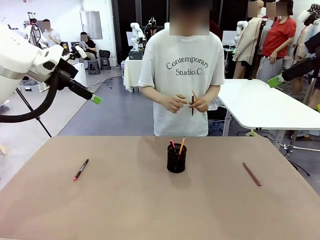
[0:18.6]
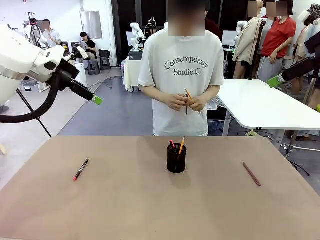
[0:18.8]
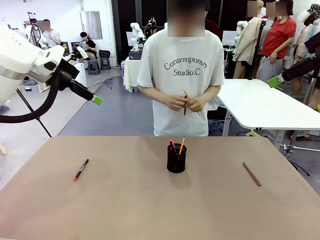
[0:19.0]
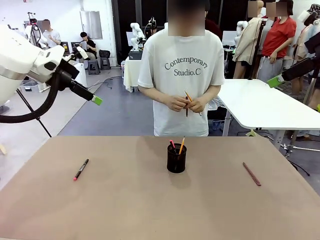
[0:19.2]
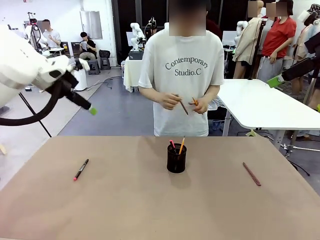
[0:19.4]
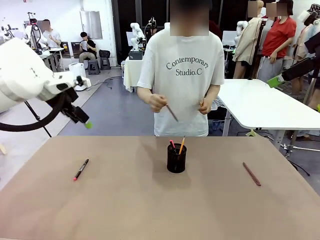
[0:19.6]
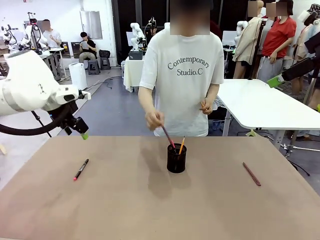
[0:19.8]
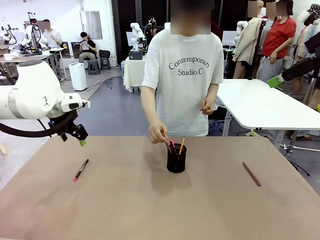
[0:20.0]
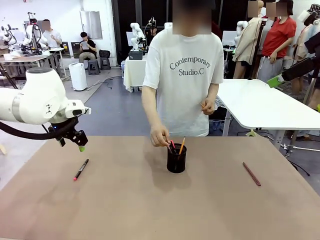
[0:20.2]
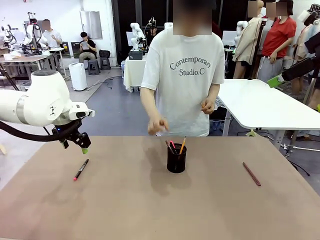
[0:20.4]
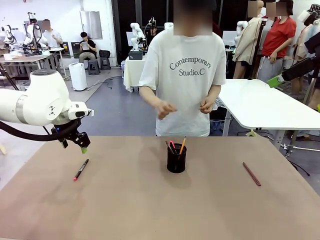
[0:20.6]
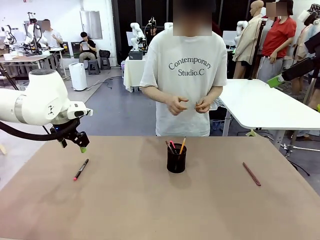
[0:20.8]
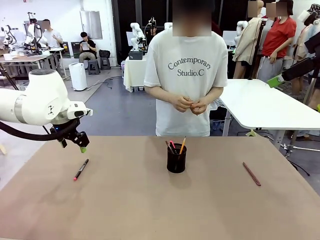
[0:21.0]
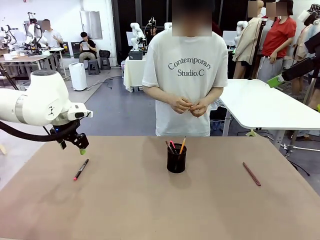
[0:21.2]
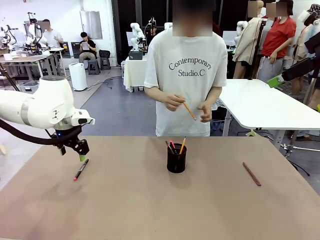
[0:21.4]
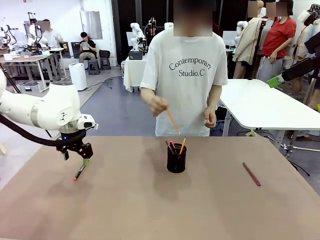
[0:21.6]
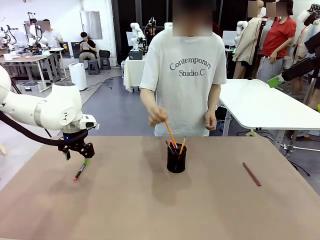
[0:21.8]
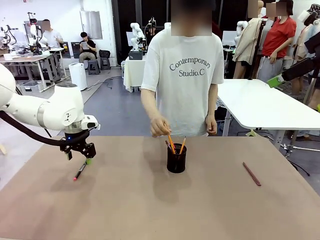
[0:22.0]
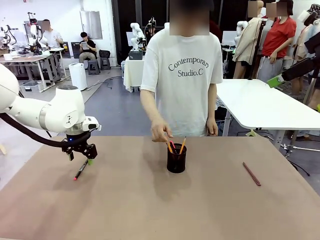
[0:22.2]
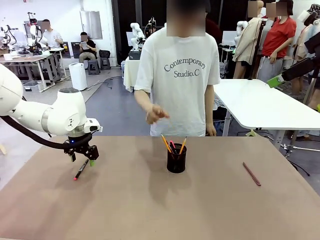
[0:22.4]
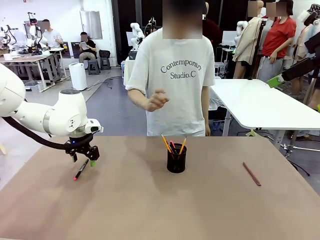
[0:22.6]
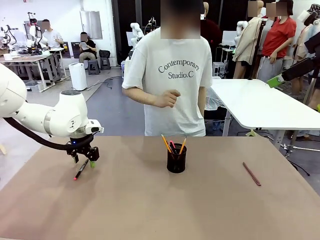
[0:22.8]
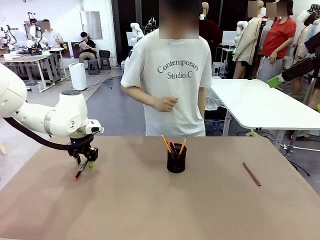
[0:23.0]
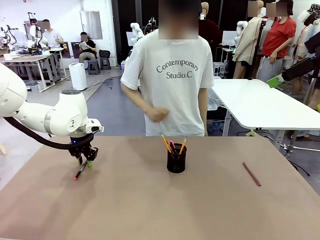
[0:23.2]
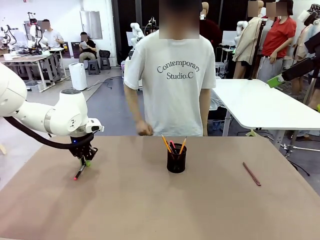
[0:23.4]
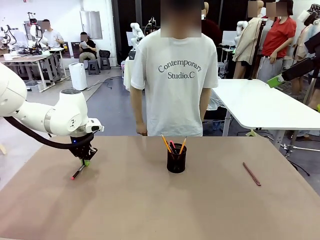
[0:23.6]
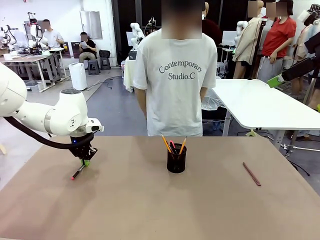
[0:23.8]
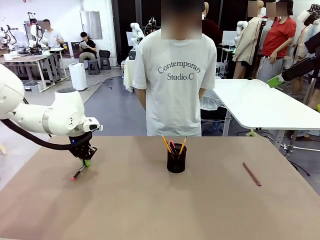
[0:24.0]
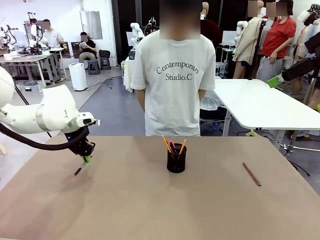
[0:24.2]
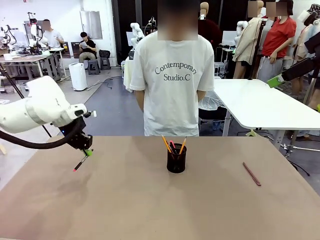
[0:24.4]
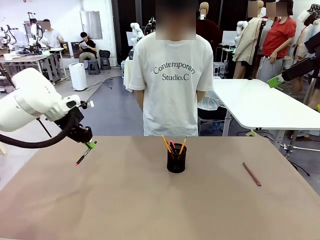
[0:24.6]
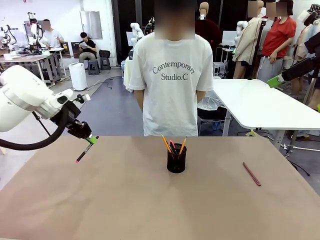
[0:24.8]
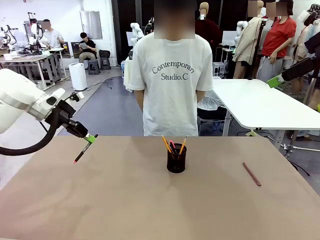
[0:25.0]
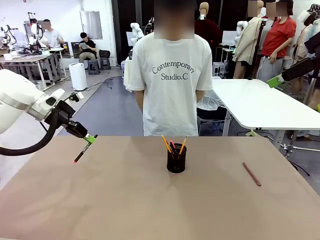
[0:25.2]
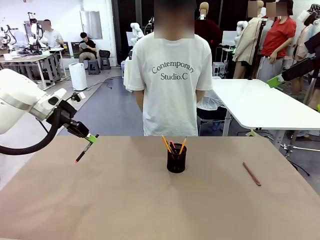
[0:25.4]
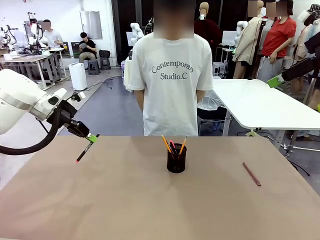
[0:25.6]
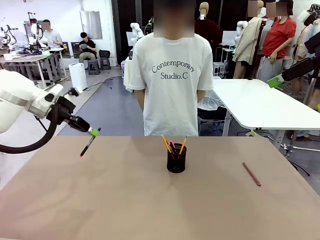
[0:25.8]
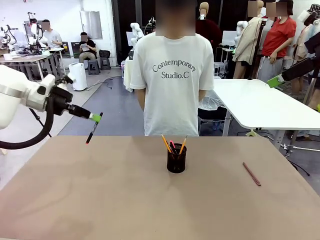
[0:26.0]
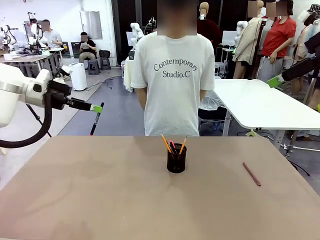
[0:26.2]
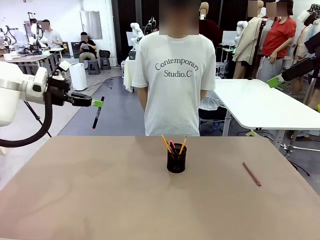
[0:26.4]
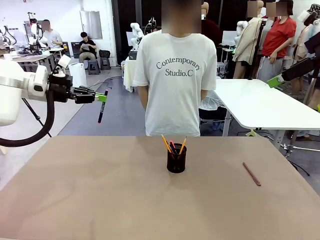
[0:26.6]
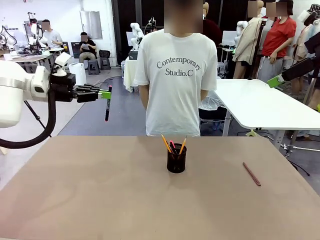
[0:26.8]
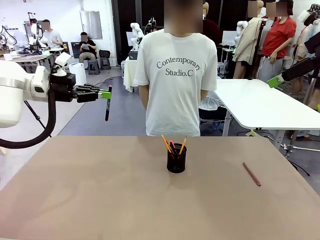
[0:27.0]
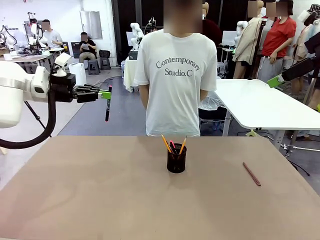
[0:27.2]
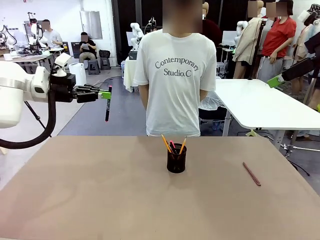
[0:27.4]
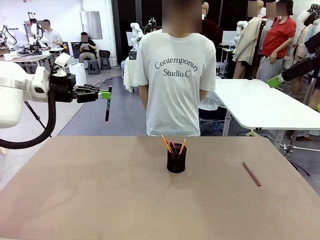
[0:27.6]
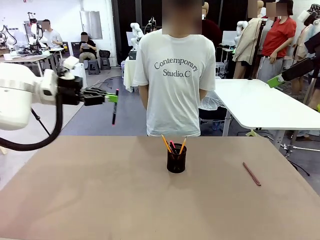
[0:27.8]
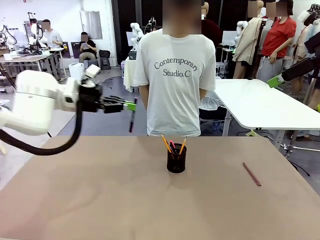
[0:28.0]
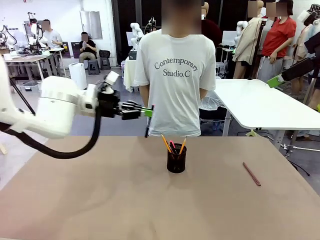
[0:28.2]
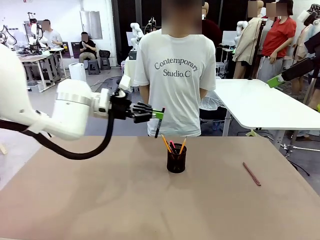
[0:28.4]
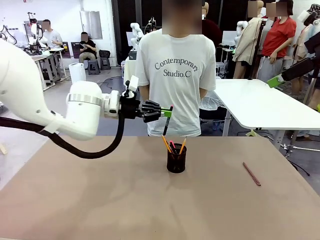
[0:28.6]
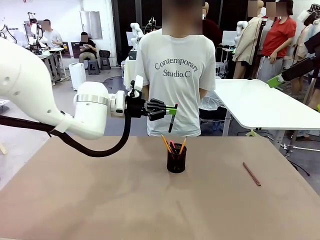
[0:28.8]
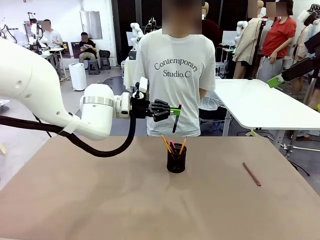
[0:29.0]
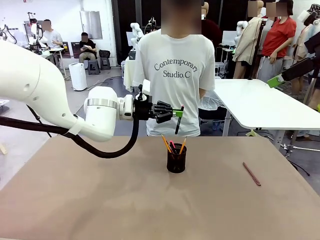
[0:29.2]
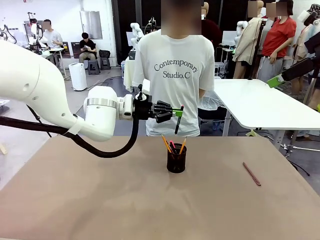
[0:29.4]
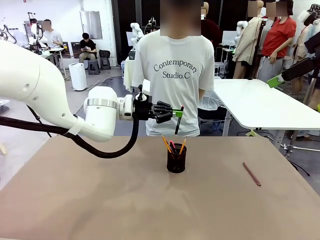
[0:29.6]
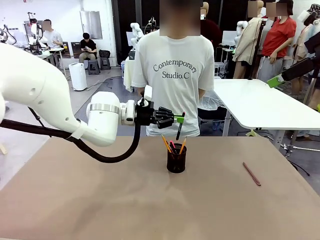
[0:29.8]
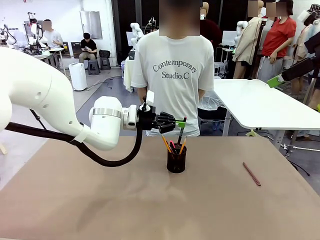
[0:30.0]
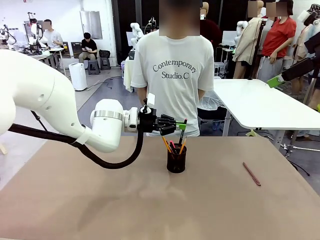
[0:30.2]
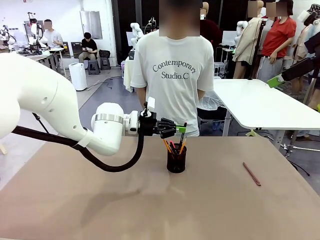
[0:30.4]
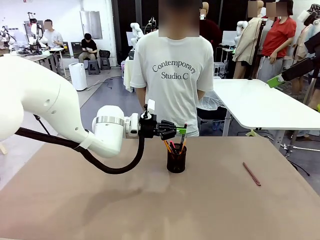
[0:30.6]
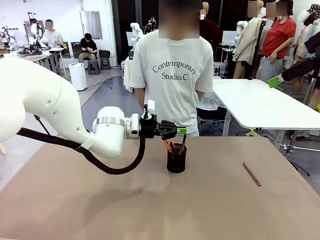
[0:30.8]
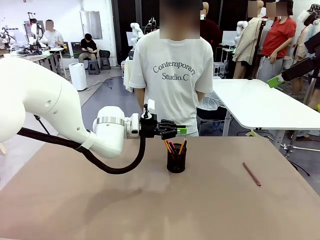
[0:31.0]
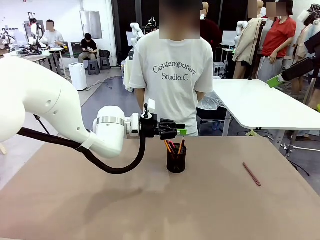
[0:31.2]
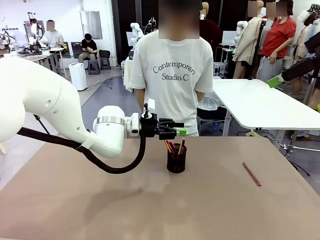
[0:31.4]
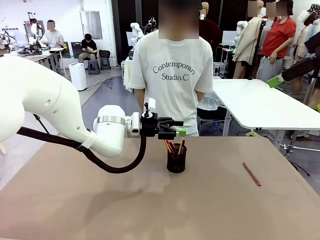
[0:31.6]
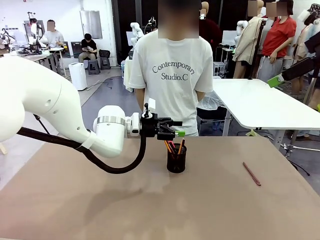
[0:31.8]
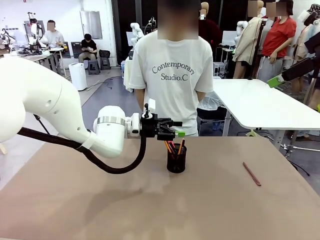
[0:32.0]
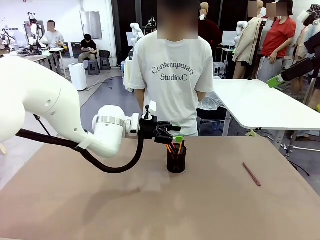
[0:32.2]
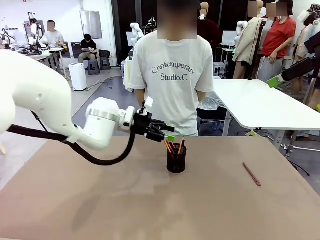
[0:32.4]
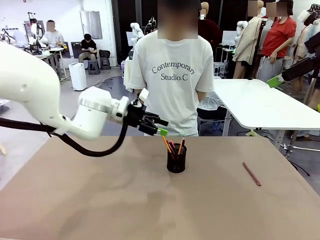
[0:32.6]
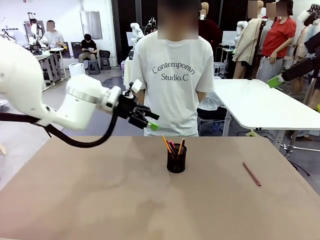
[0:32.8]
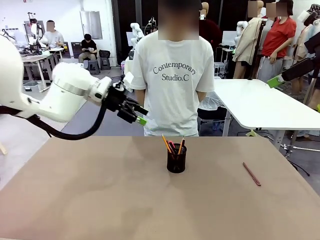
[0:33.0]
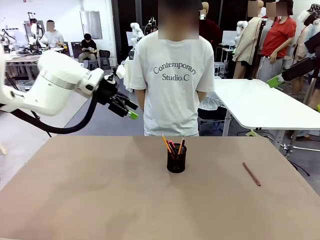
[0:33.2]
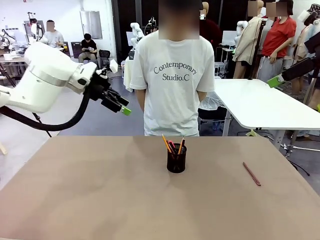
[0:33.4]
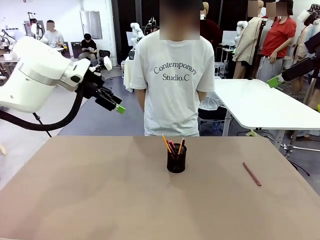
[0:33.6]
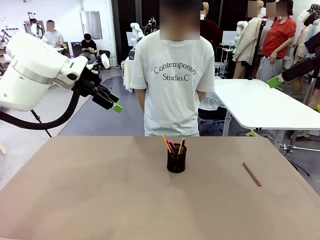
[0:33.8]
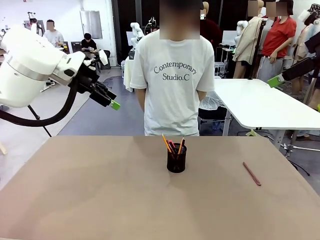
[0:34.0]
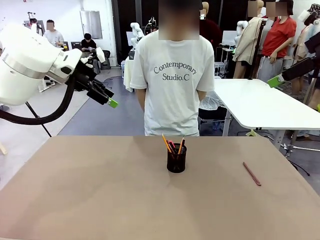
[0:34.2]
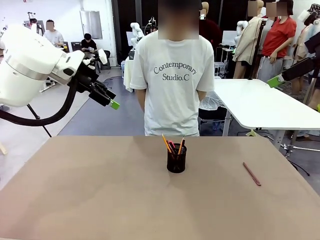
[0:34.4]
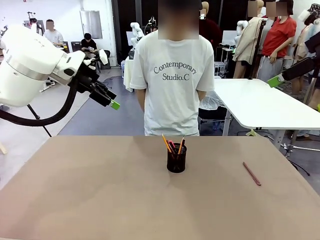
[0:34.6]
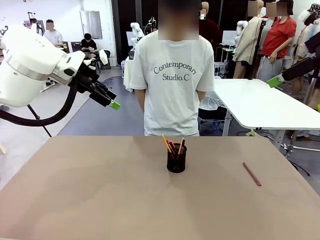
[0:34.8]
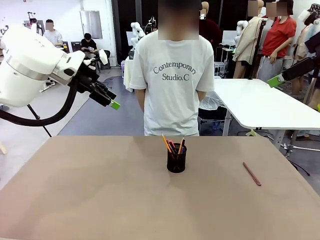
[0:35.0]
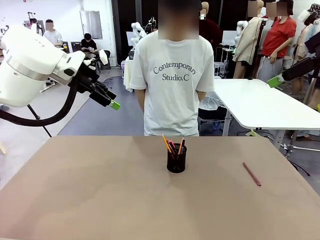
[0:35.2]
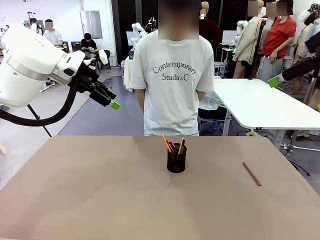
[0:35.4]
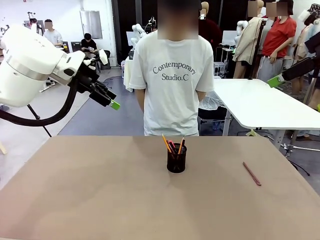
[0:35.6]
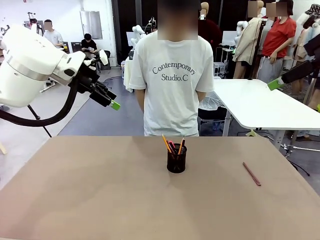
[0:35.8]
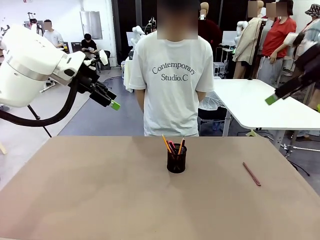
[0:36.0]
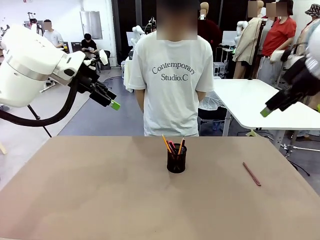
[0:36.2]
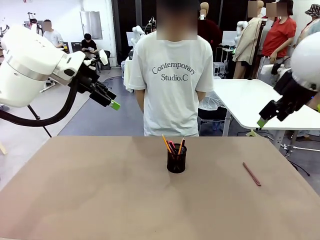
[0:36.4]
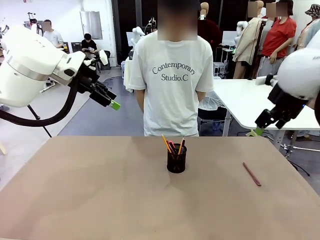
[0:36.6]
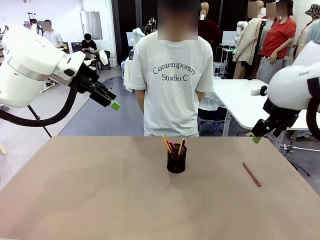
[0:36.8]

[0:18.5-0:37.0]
Task: Place the pens into the pen holder.
Robot: Pick up a writing instrument from the table and place it into the Pen holder.
